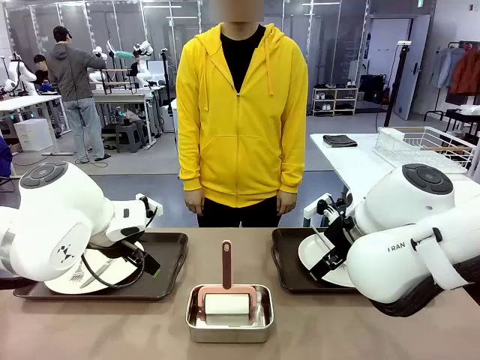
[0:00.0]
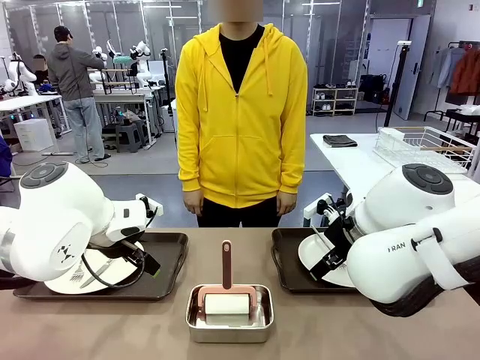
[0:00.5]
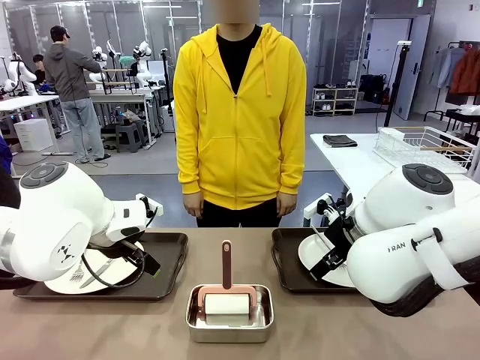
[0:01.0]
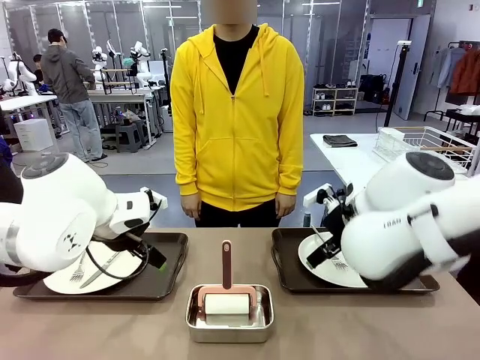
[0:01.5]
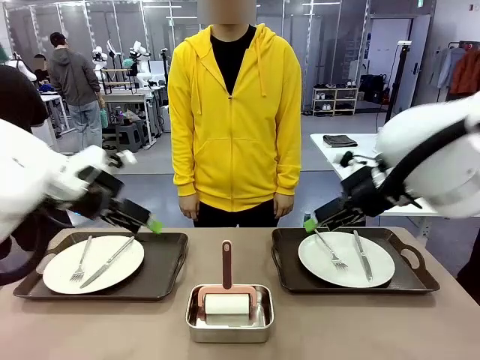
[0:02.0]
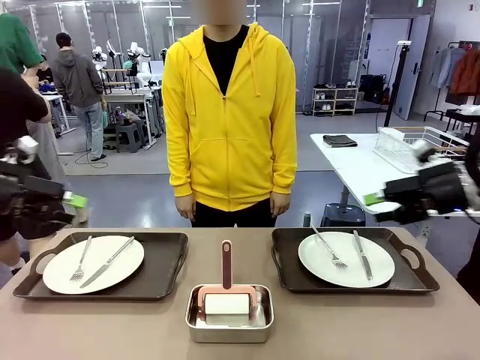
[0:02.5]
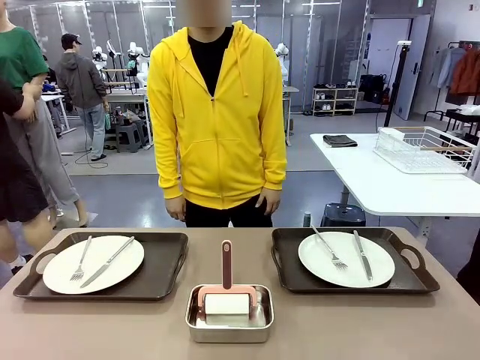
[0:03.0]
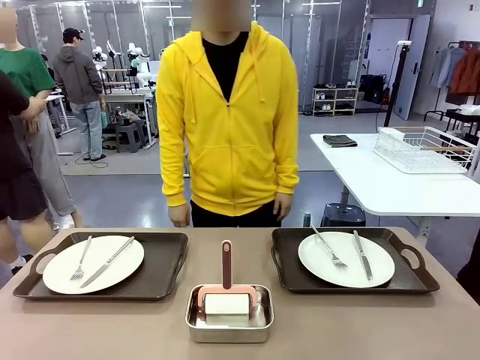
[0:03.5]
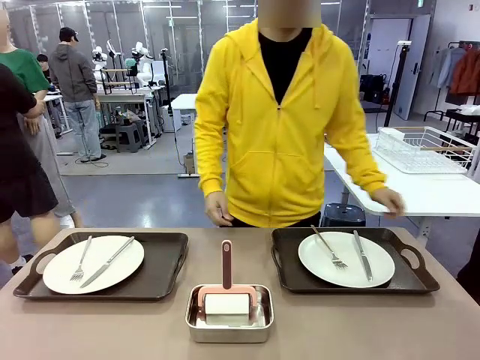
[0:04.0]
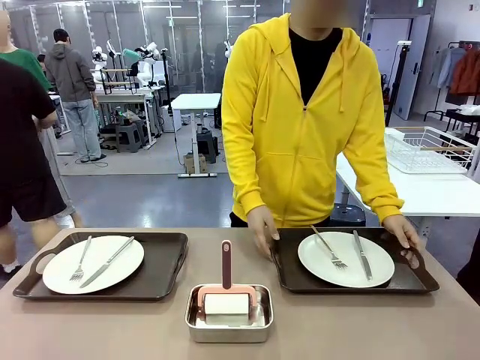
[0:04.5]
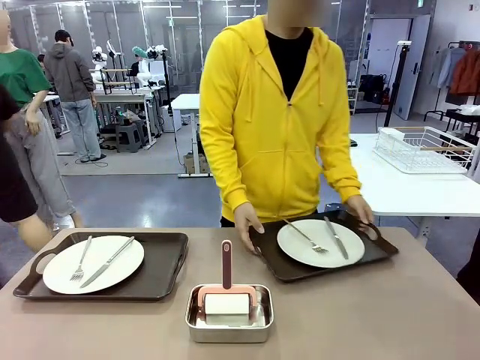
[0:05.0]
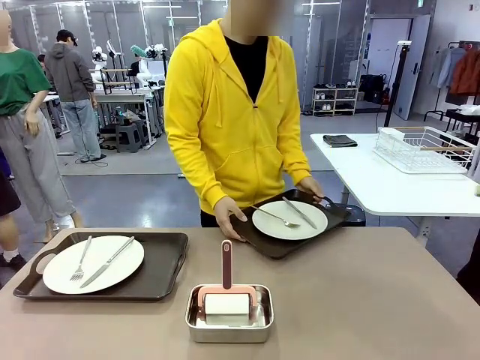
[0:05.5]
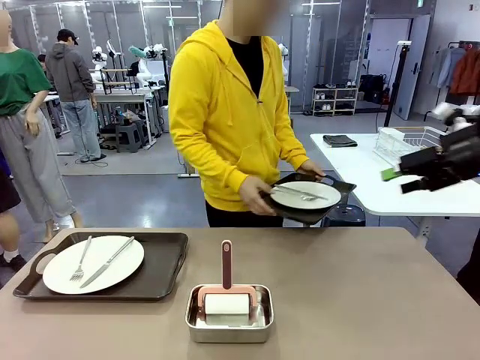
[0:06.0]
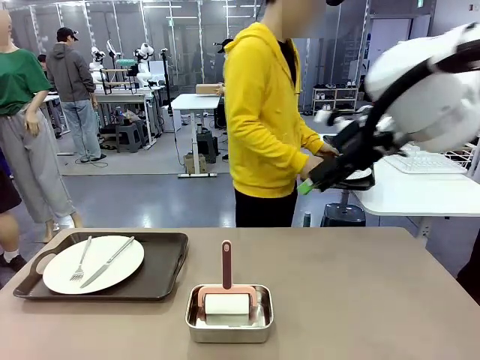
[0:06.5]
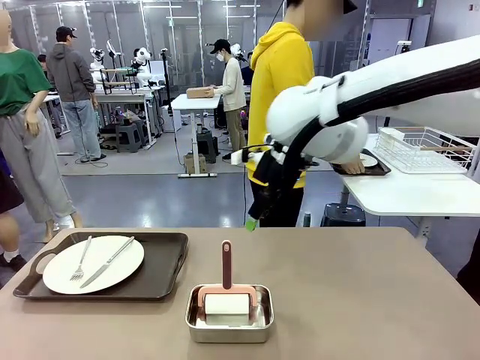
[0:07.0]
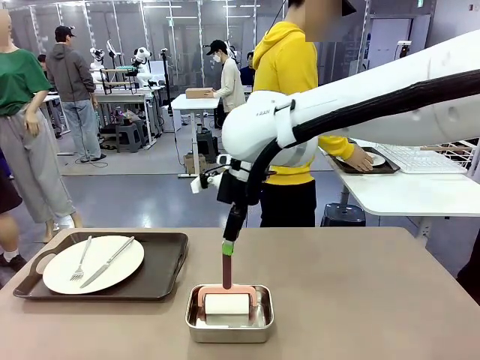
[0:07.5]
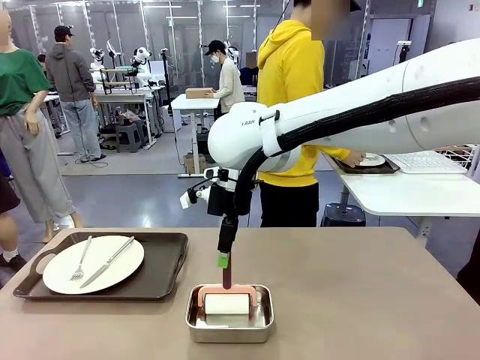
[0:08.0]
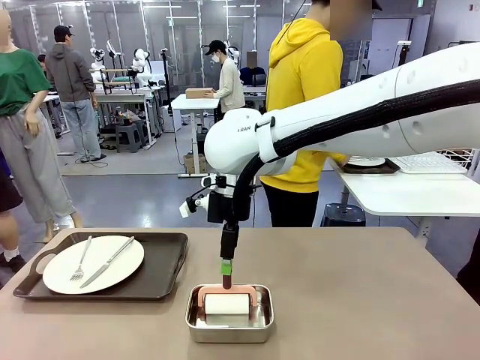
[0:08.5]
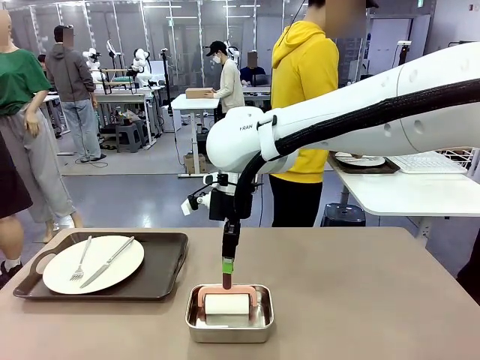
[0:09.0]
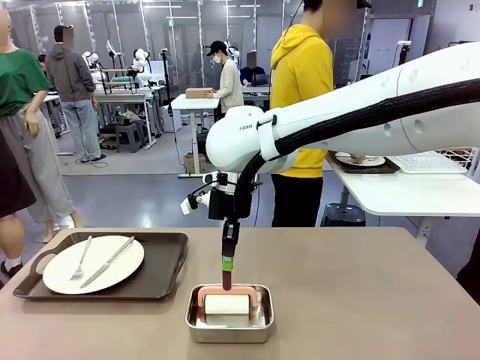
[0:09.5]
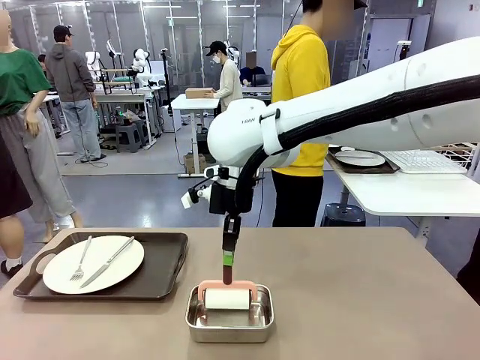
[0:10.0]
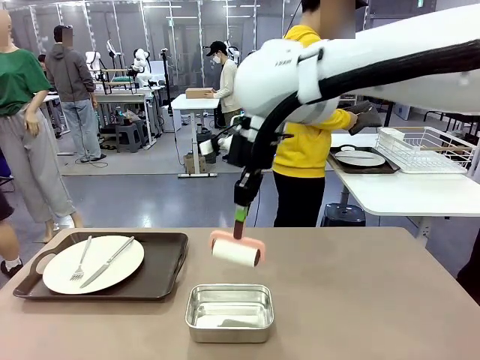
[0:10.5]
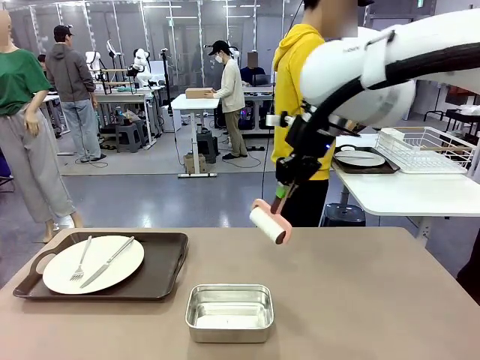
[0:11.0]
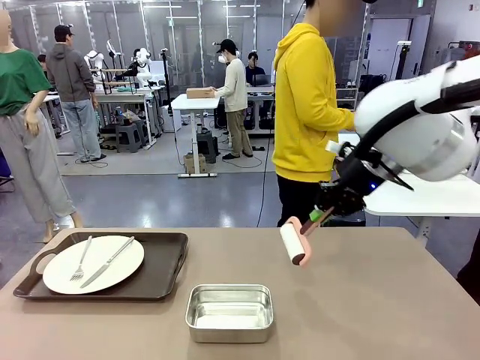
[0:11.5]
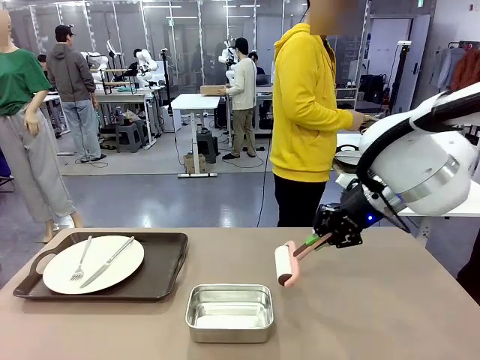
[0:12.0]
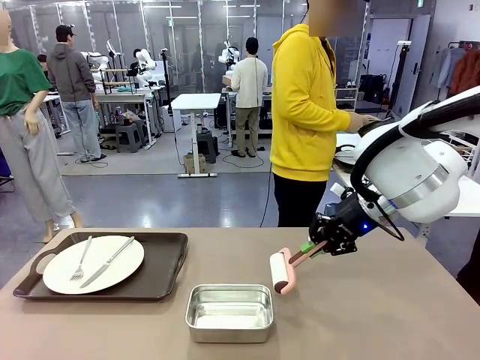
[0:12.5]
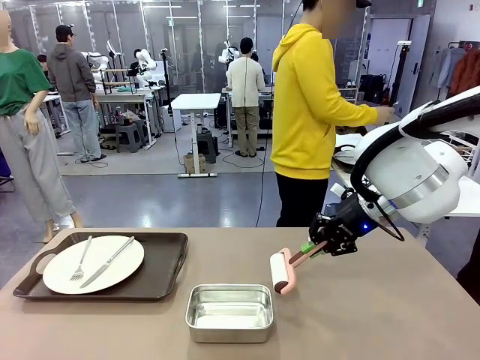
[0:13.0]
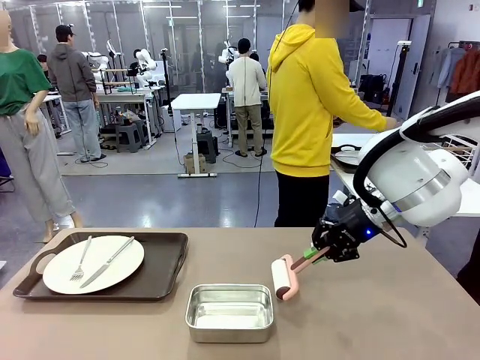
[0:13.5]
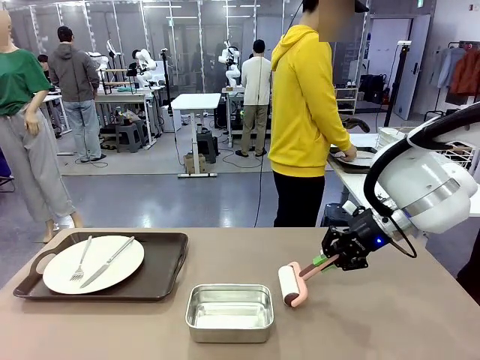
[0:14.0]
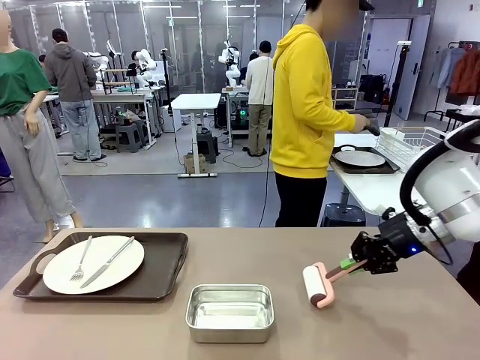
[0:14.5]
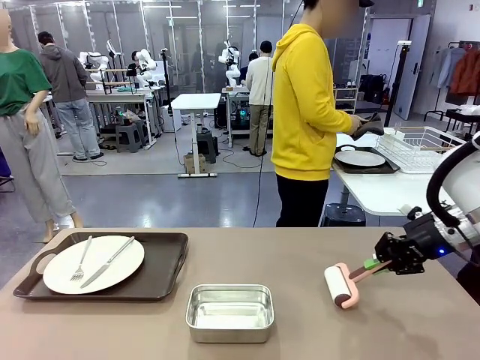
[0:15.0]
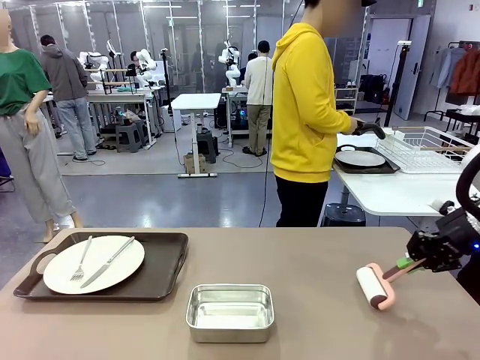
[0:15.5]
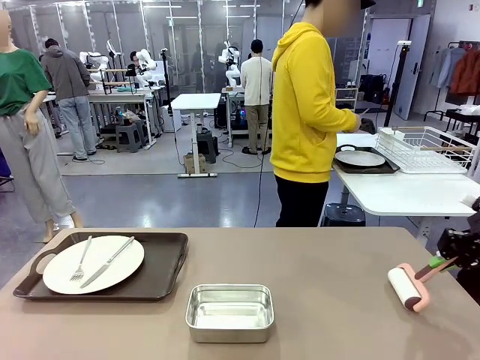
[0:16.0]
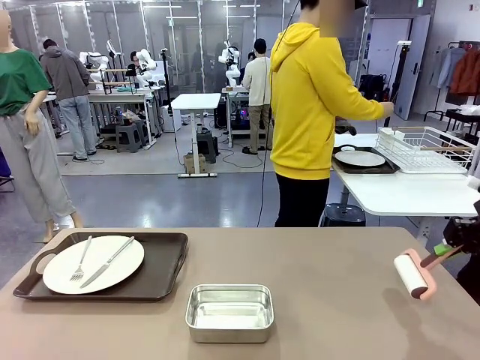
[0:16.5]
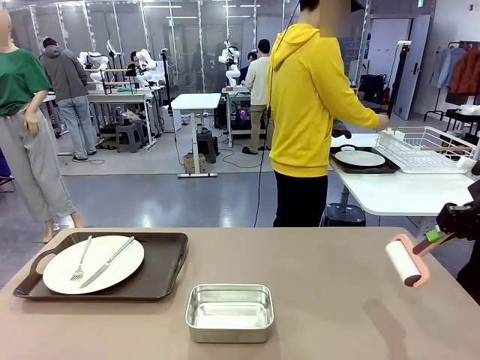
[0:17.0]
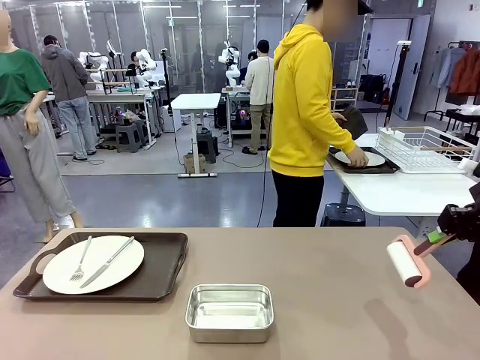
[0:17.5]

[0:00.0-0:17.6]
Robot: When the left (or right) Handle tray is removed, use the left hand (or right hand) to clean the left (or right) side of the table with the Lint Roller.
Person: Pick up the left (or right) Handle tray and place it on the middle of the Human's table. Use the Towel with hook to wipe the Plastic Matte Plate , Fork , and Knife and place into the Dish drying rack.

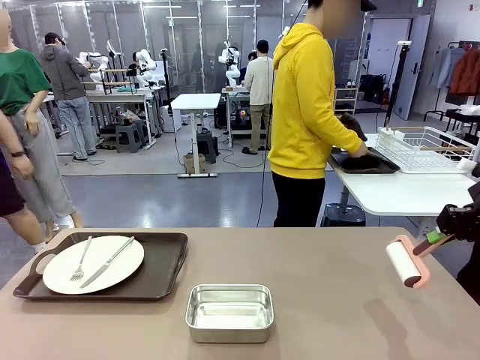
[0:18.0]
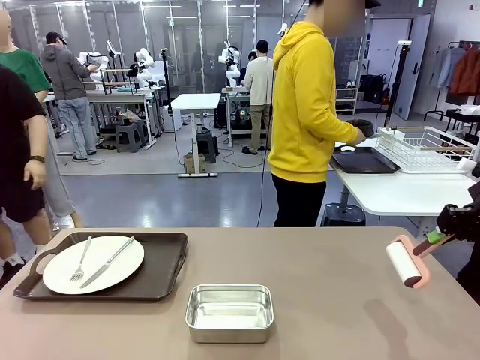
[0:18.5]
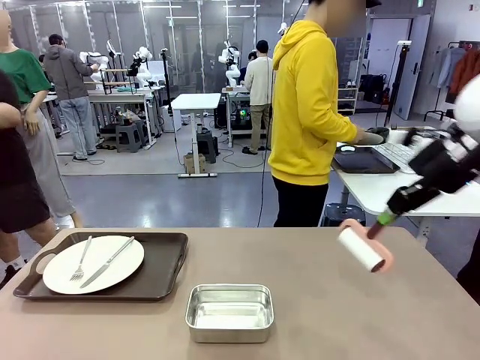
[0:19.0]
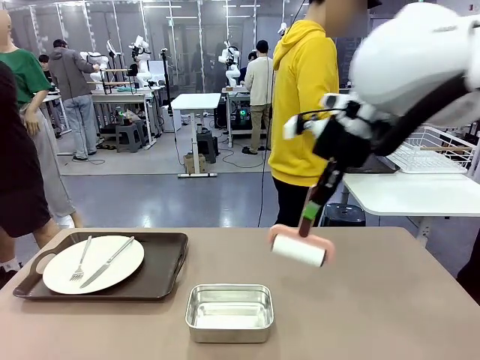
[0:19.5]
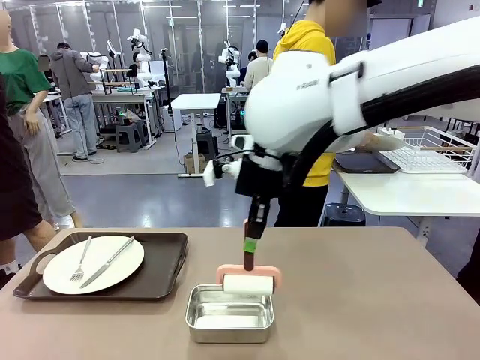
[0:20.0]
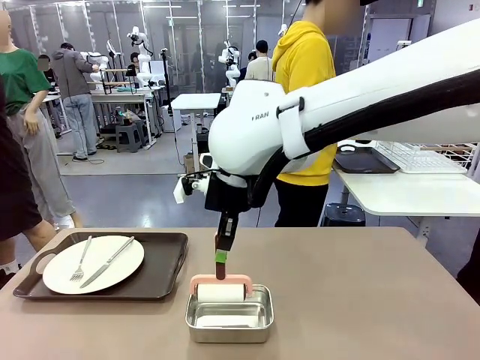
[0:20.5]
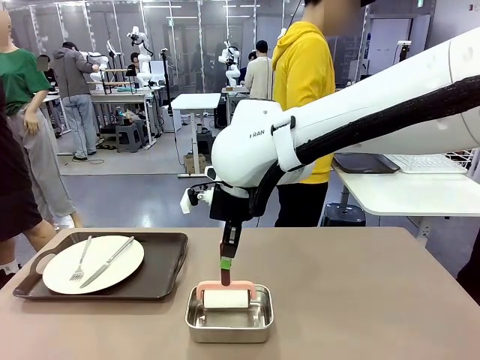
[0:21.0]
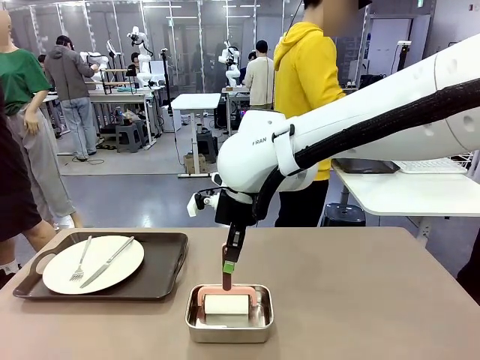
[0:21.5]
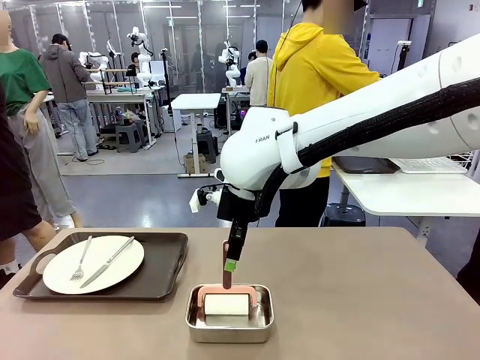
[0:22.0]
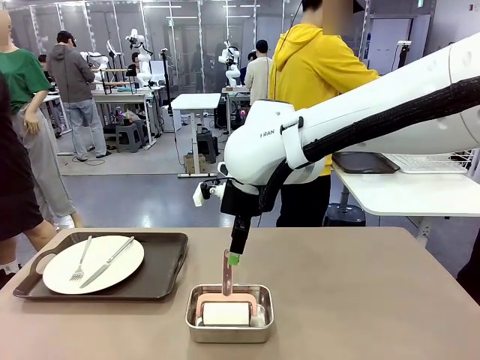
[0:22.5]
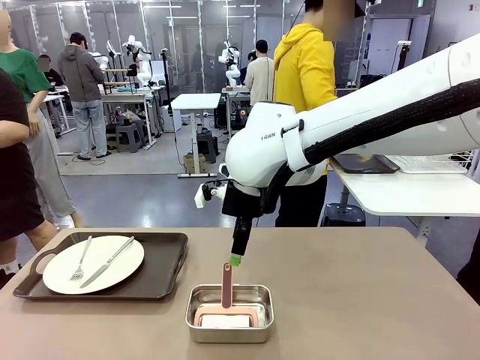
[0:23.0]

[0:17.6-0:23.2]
Robot: Place the Lint Roller back on top of the Airtight Container.
